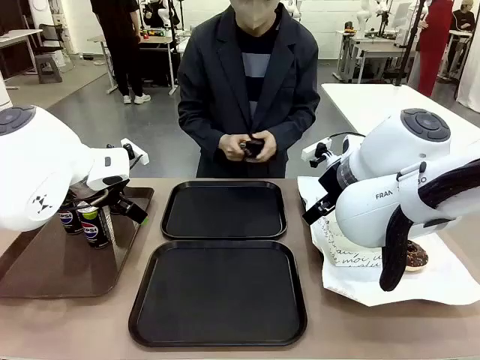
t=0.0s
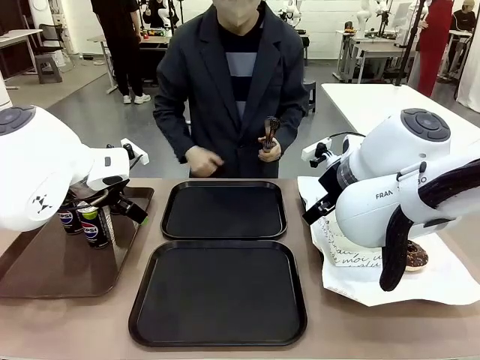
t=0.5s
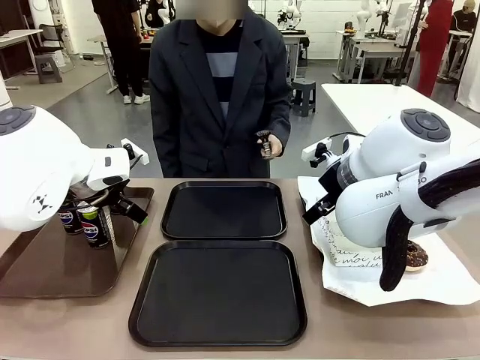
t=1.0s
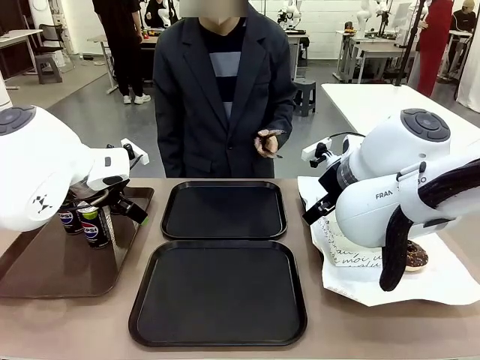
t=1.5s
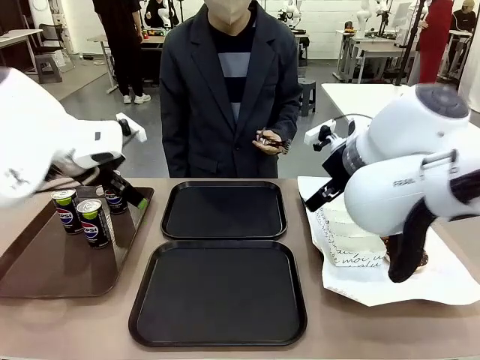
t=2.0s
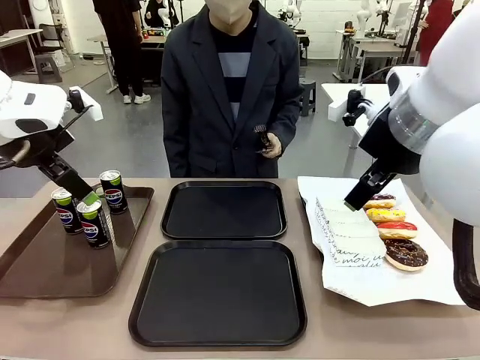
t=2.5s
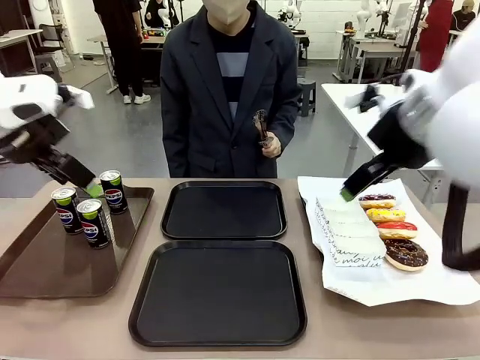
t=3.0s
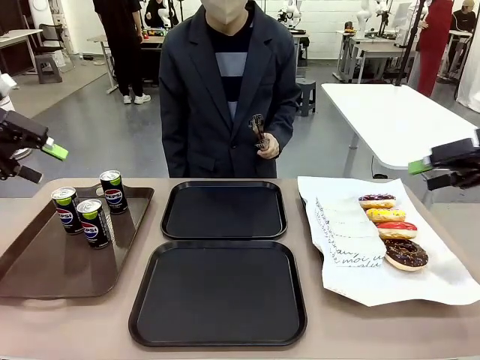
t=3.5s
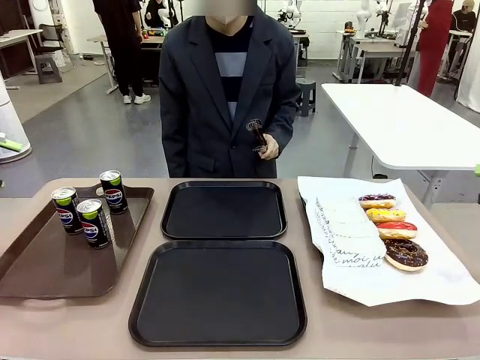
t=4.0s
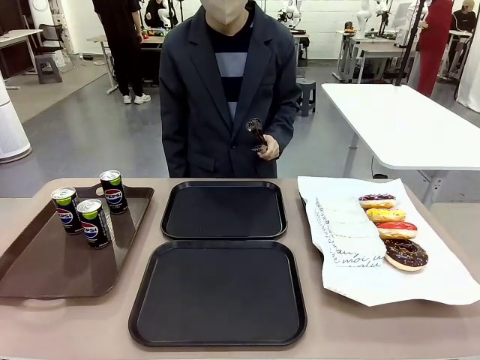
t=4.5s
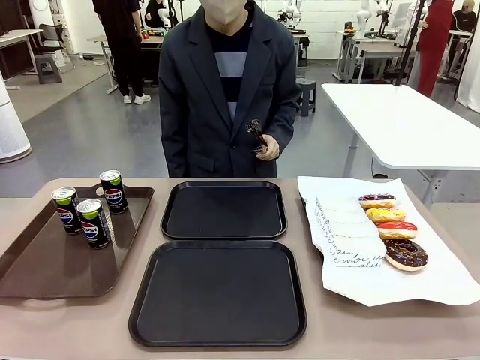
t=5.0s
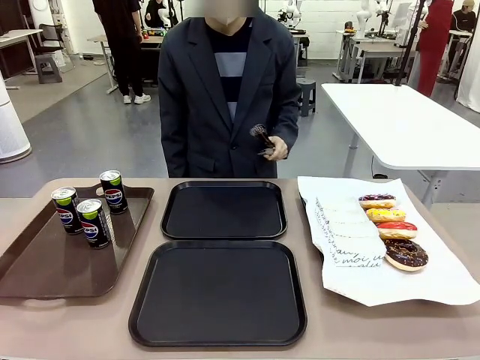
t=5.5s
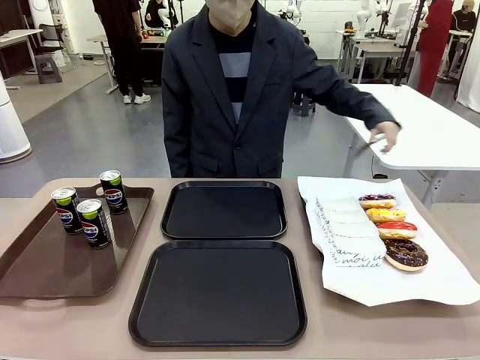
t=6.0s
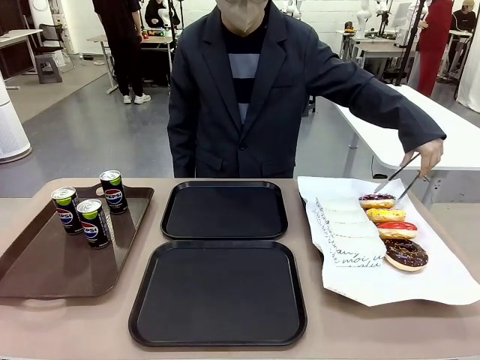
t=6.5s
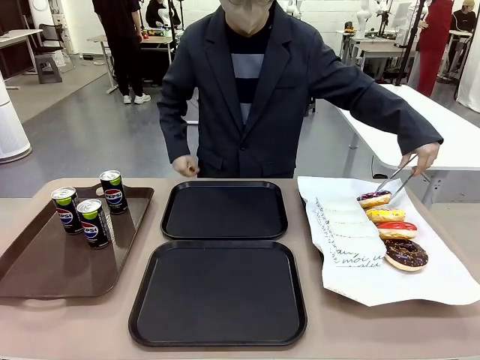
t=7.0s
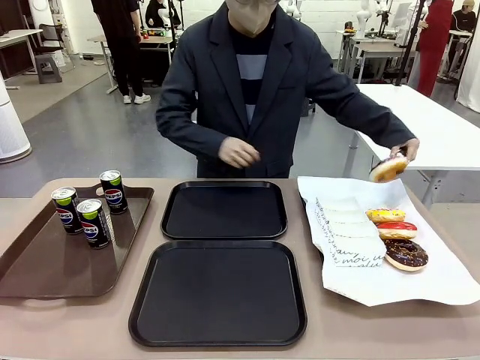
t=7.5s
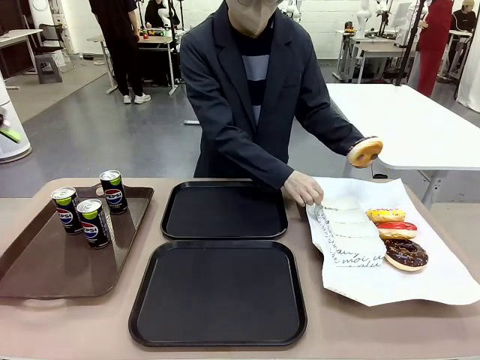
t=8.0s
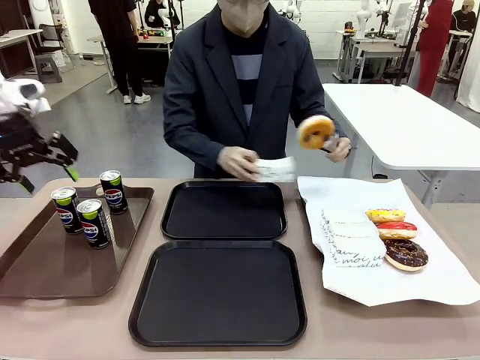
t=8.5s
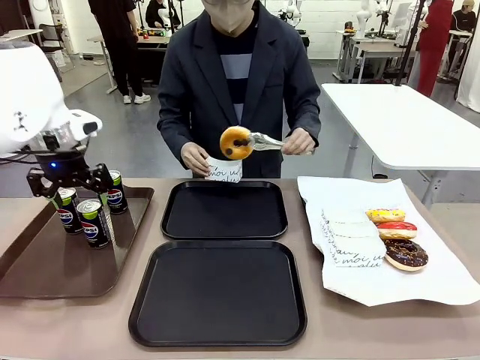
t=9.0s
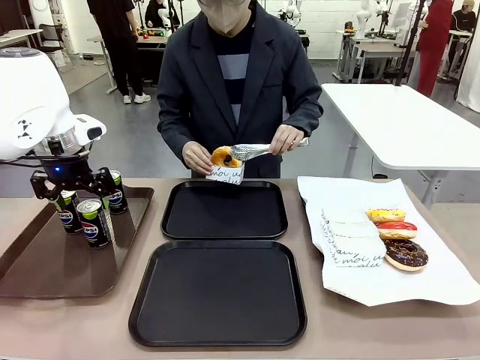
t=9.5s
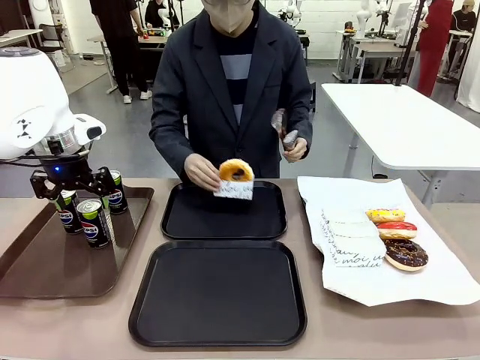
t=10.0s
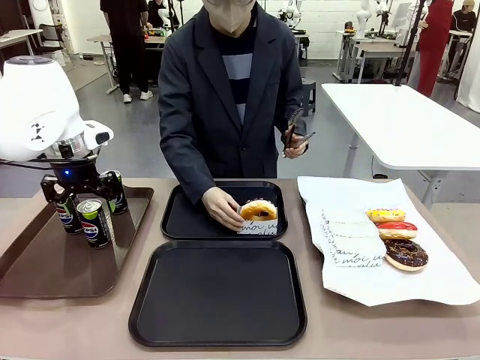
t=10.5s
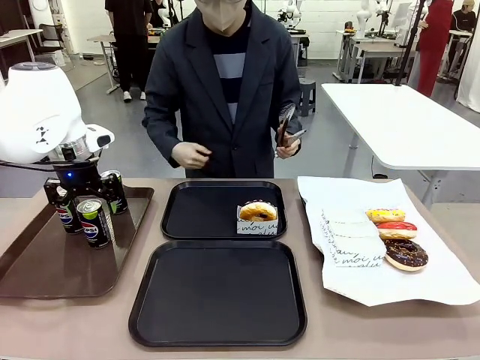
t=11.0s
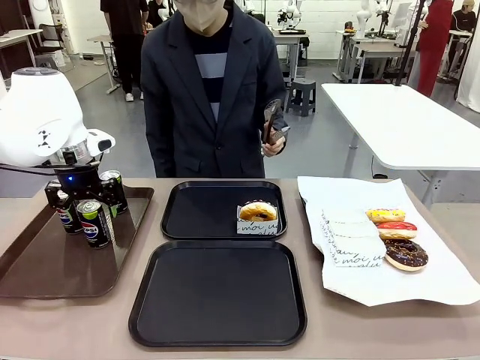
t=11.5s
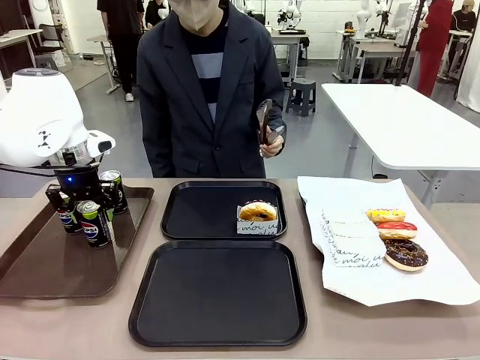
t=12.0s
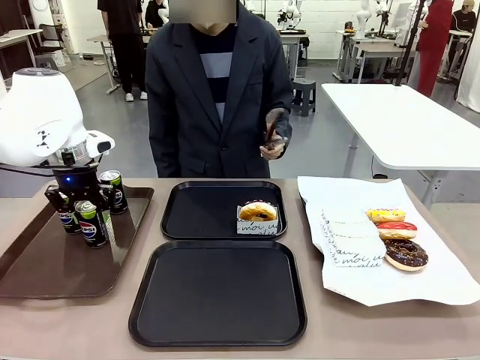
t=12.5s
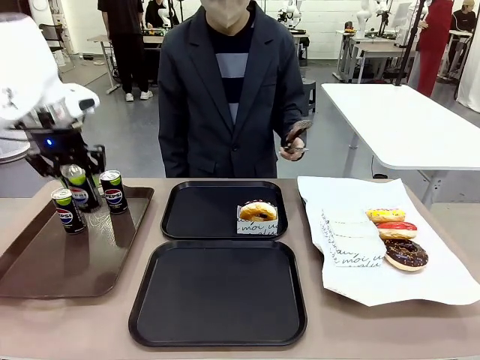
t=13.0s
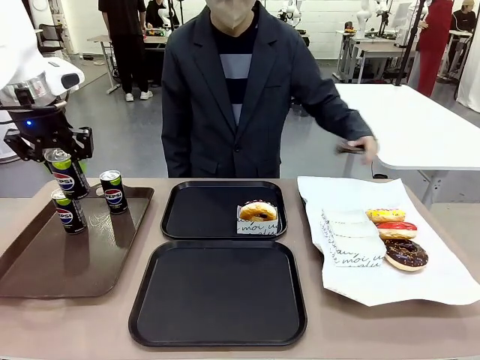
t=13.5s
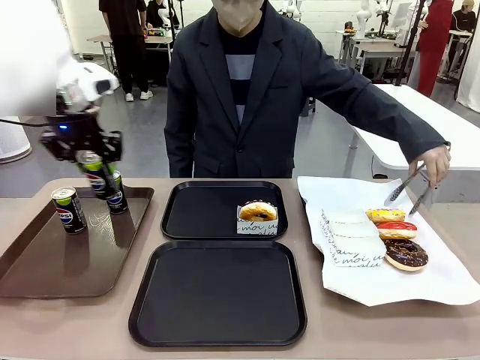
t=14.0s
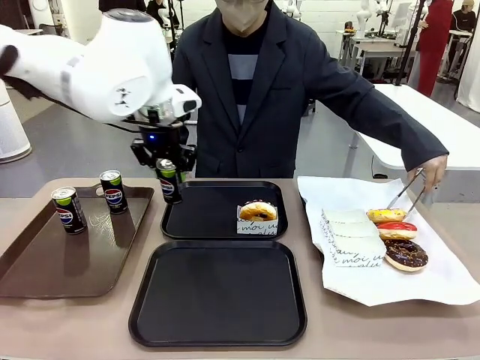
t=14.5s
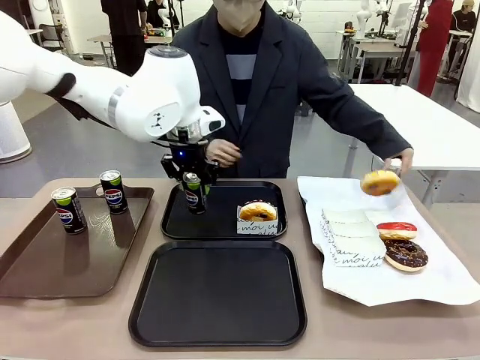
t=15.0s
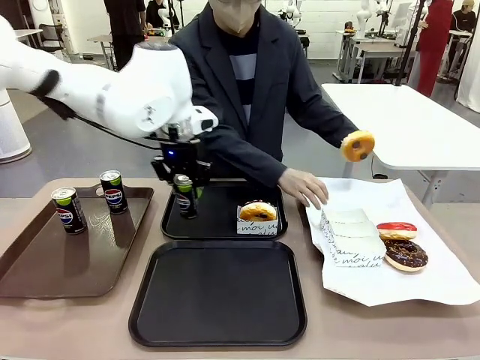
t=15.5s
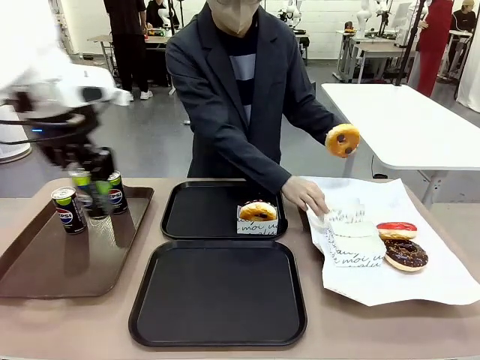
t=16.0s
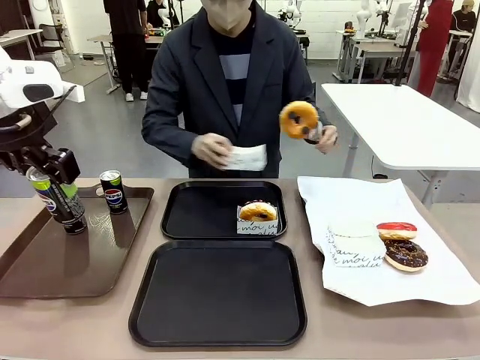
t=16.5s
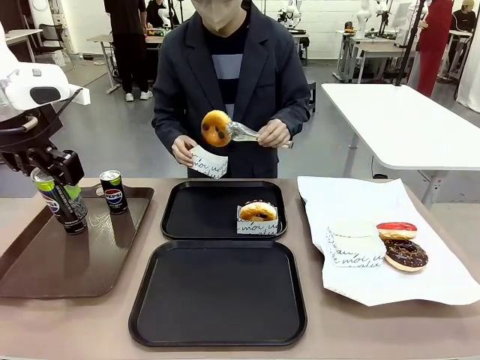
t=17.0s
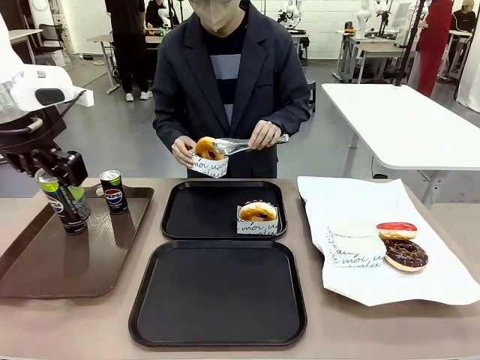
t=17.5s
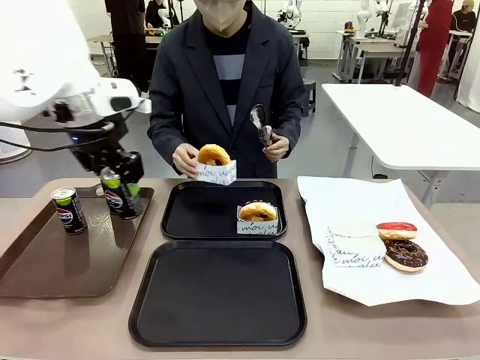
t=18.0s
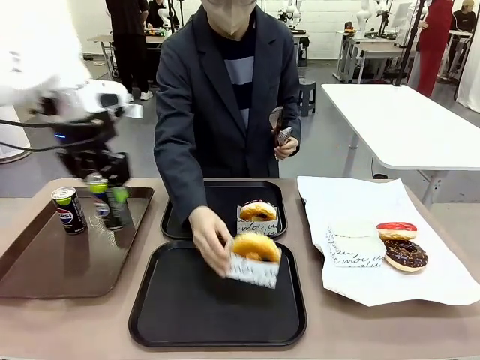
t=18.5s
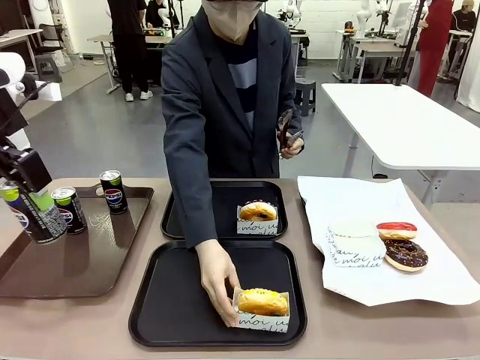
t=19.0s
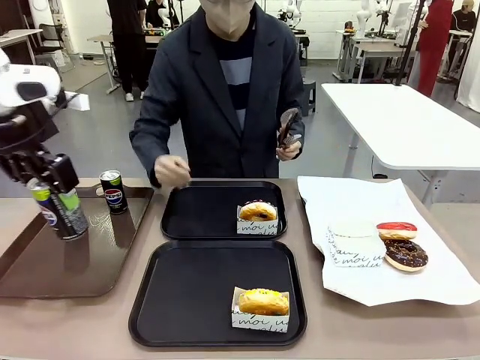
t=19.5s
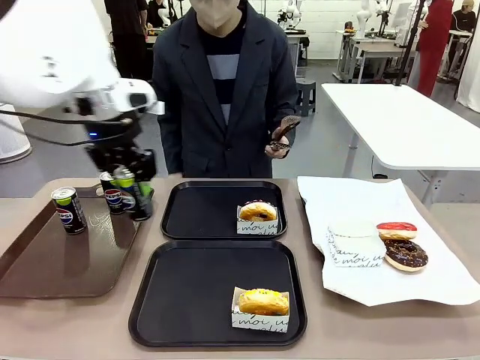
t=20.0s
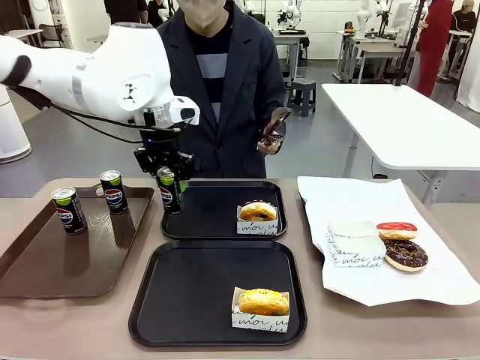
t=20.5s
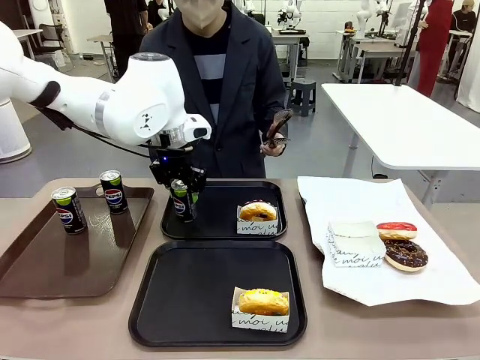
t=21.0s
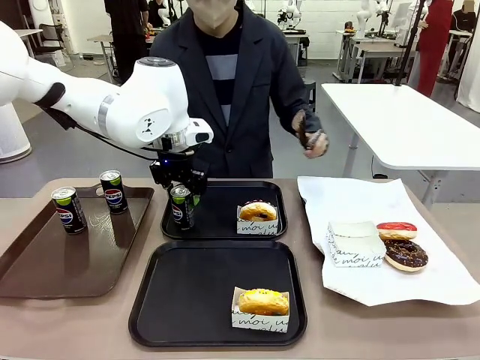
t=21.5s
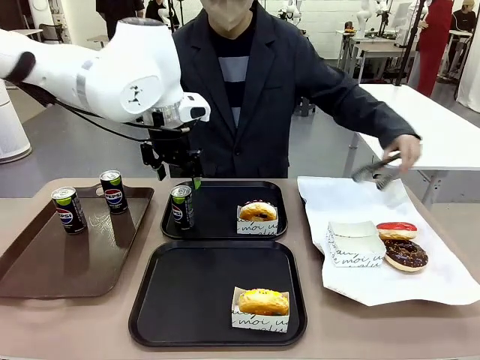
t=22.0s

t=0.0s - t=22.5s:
Task: Set up donuts and drinks on trays.
Robot: Pick up one Pepsi coke and place it on the Flat Tray.
Person: Pick up one donut with tongs, place it in the donut tray, and then place the donut tray on the flat tray.
